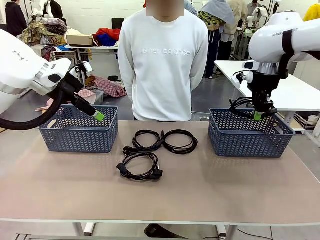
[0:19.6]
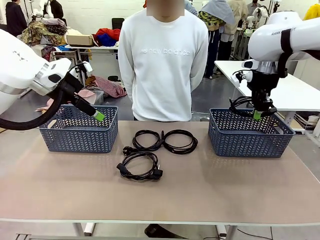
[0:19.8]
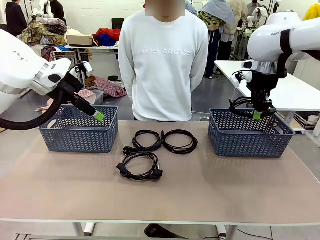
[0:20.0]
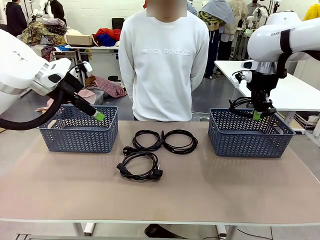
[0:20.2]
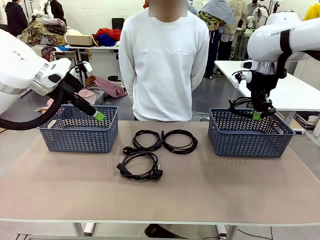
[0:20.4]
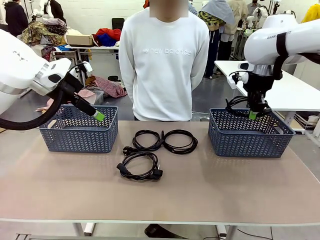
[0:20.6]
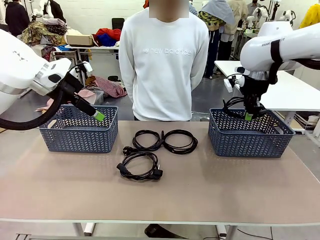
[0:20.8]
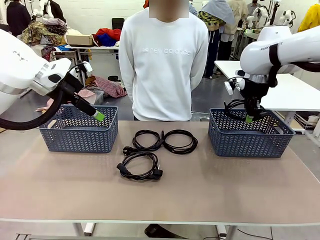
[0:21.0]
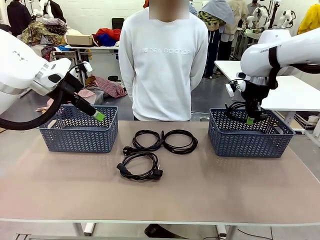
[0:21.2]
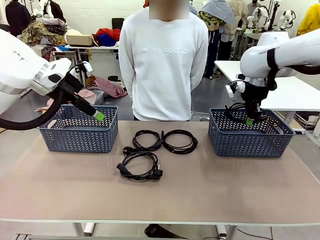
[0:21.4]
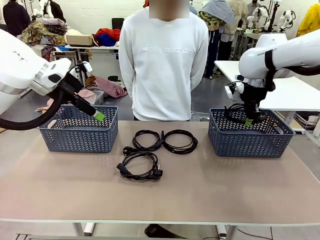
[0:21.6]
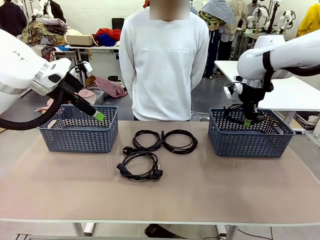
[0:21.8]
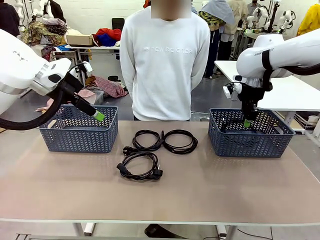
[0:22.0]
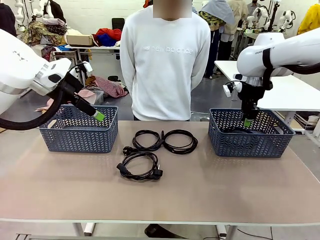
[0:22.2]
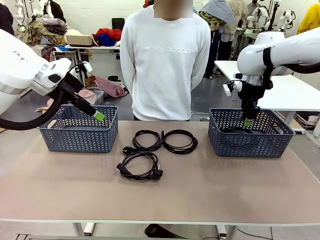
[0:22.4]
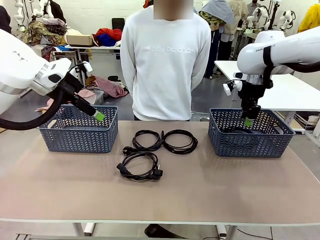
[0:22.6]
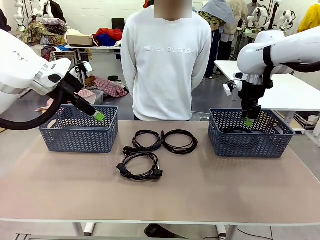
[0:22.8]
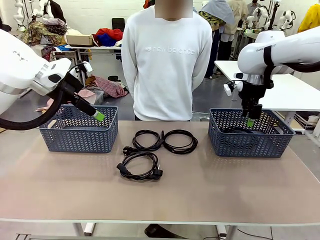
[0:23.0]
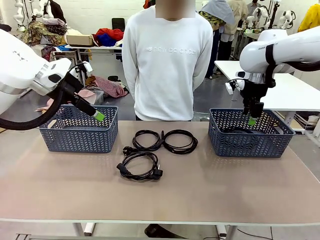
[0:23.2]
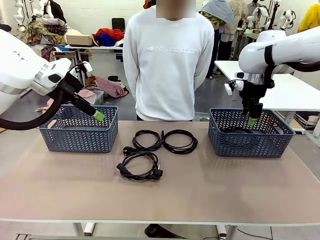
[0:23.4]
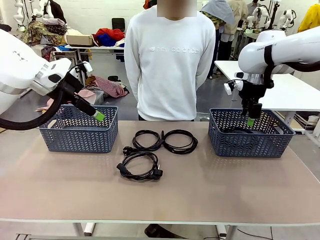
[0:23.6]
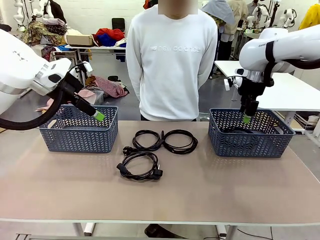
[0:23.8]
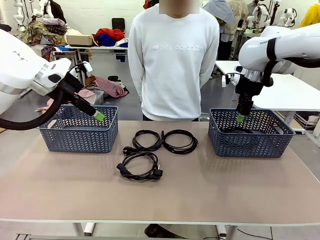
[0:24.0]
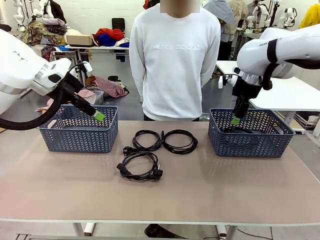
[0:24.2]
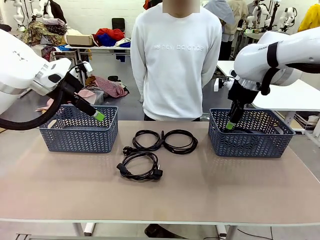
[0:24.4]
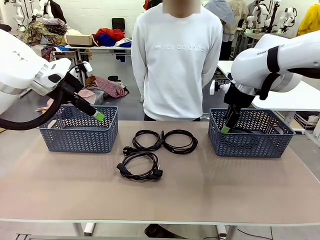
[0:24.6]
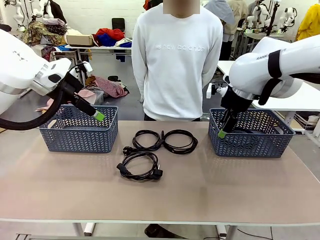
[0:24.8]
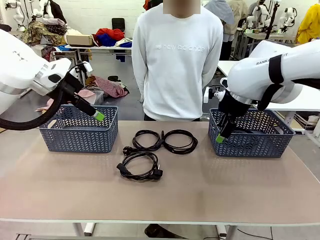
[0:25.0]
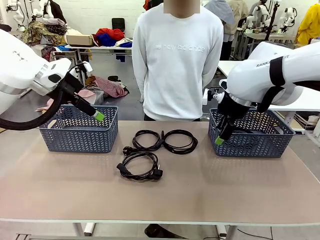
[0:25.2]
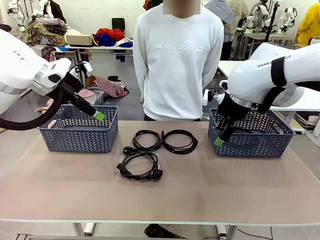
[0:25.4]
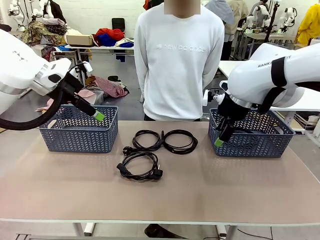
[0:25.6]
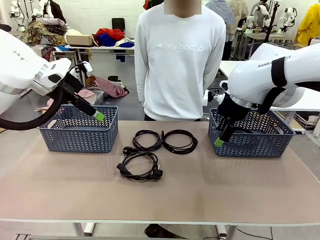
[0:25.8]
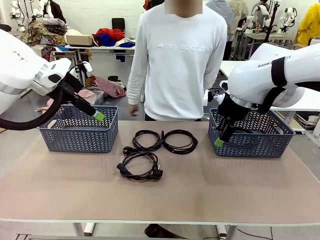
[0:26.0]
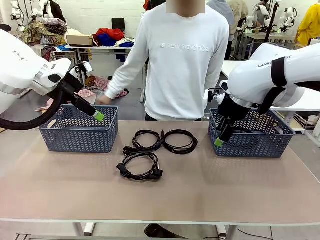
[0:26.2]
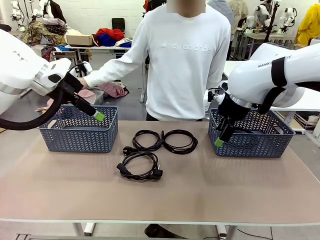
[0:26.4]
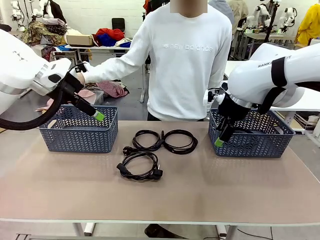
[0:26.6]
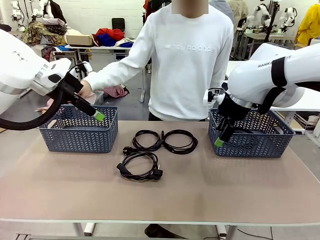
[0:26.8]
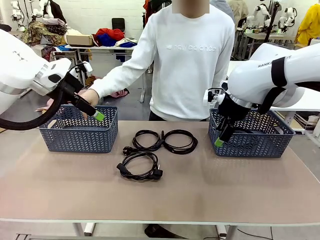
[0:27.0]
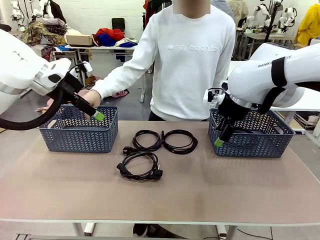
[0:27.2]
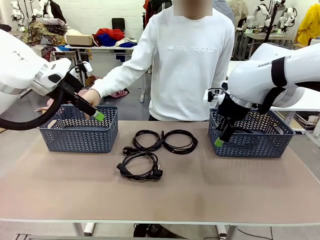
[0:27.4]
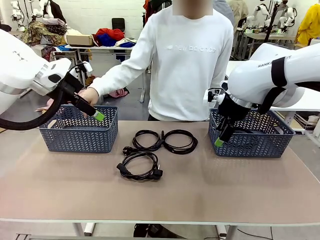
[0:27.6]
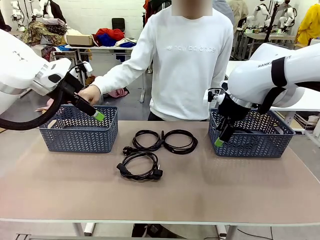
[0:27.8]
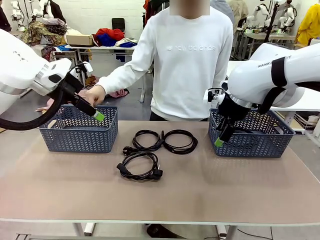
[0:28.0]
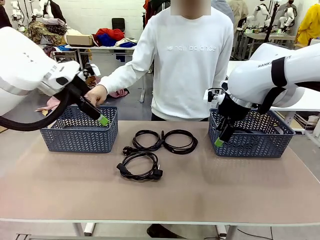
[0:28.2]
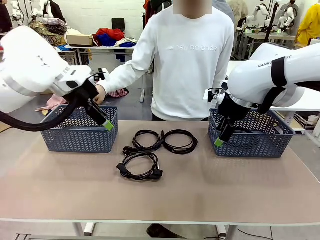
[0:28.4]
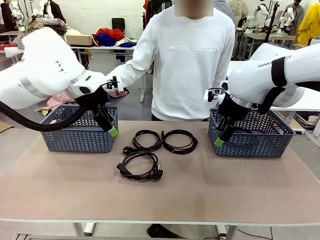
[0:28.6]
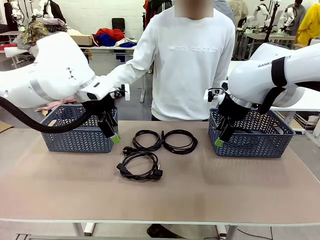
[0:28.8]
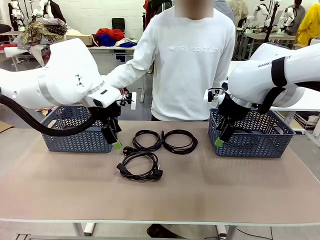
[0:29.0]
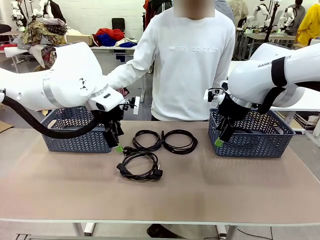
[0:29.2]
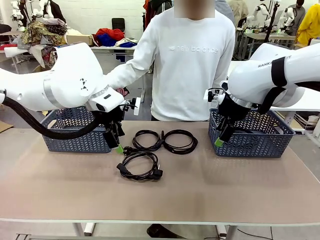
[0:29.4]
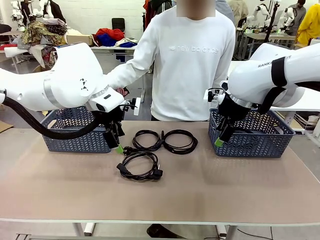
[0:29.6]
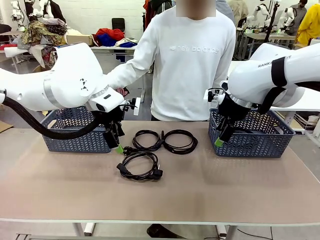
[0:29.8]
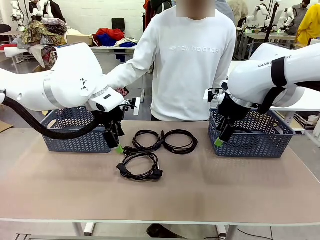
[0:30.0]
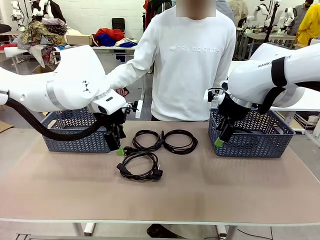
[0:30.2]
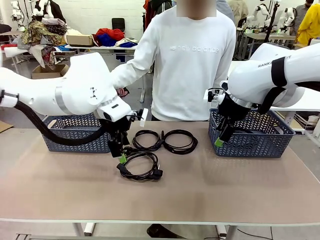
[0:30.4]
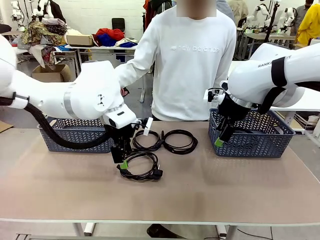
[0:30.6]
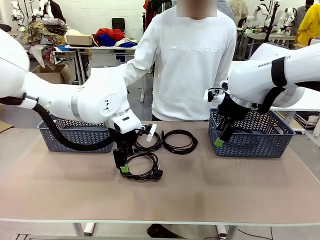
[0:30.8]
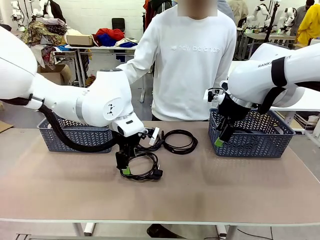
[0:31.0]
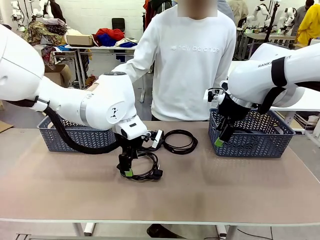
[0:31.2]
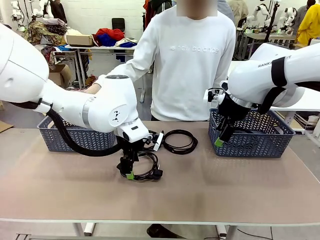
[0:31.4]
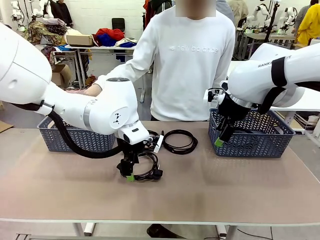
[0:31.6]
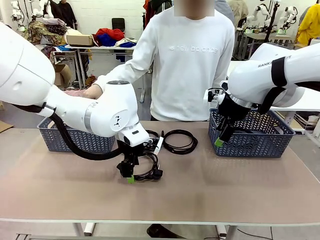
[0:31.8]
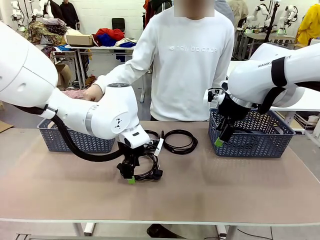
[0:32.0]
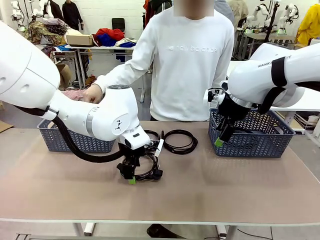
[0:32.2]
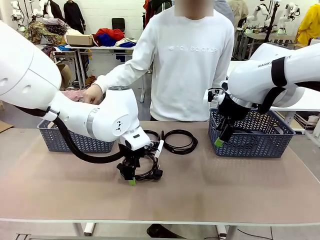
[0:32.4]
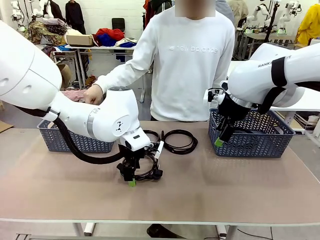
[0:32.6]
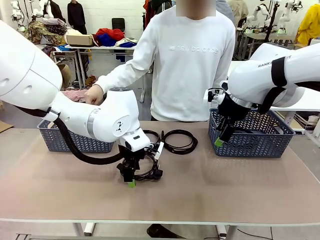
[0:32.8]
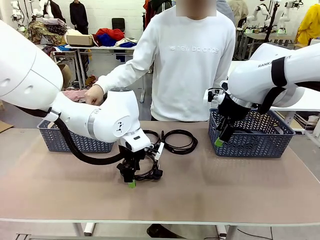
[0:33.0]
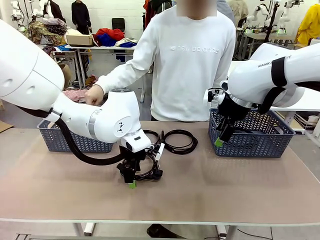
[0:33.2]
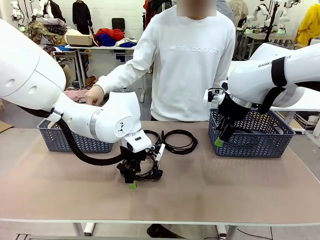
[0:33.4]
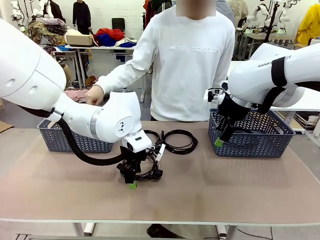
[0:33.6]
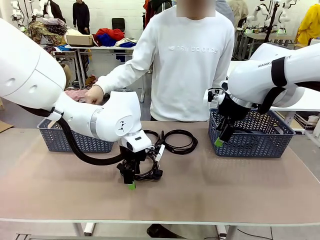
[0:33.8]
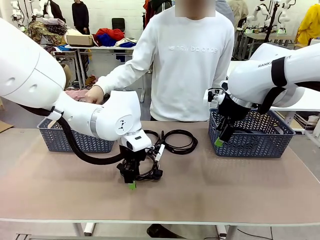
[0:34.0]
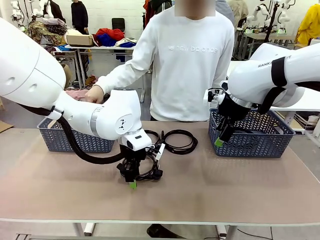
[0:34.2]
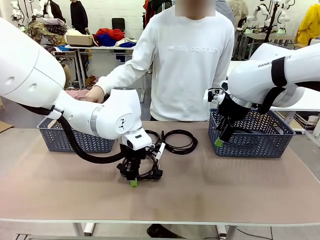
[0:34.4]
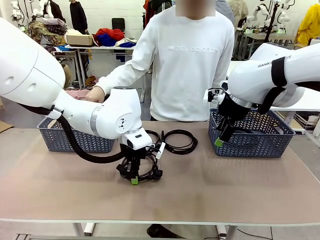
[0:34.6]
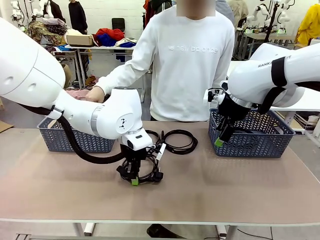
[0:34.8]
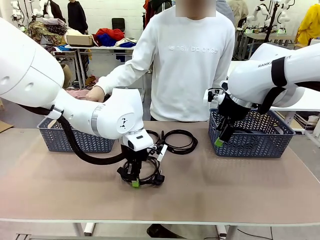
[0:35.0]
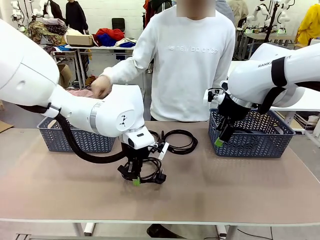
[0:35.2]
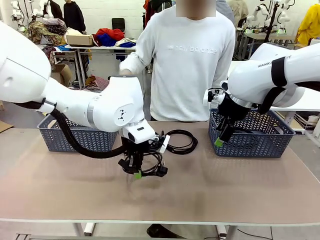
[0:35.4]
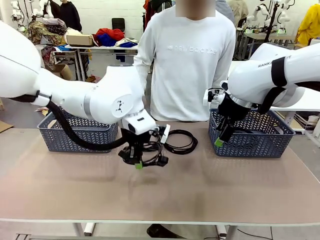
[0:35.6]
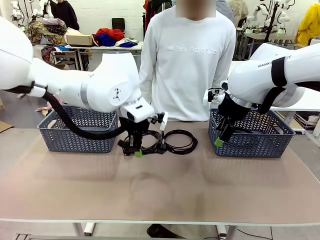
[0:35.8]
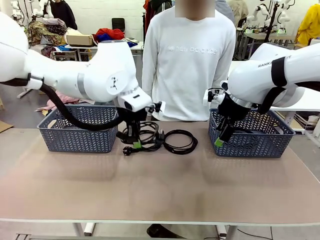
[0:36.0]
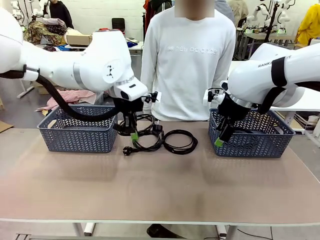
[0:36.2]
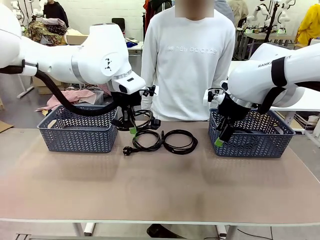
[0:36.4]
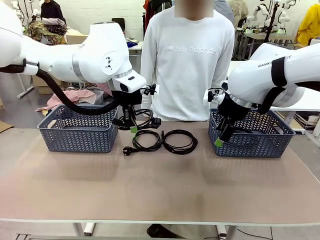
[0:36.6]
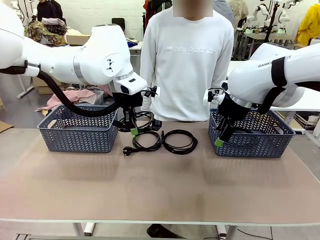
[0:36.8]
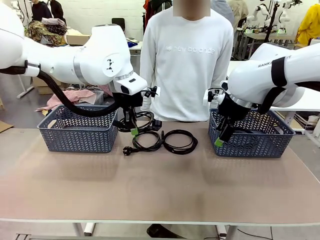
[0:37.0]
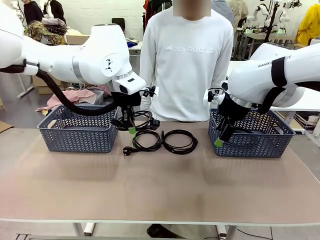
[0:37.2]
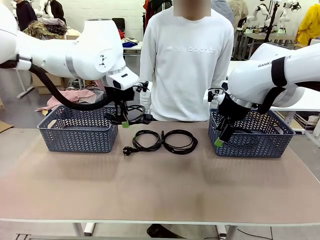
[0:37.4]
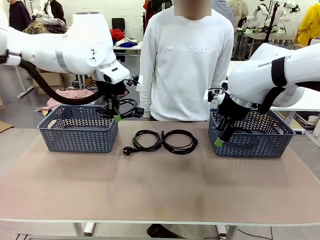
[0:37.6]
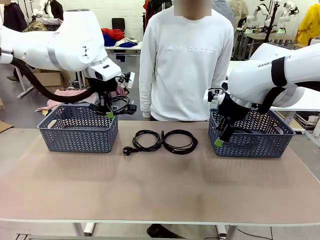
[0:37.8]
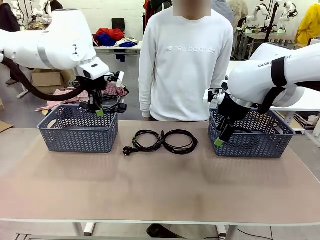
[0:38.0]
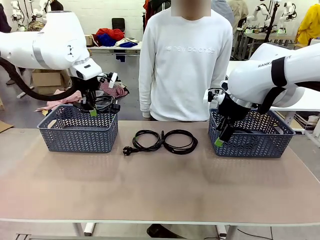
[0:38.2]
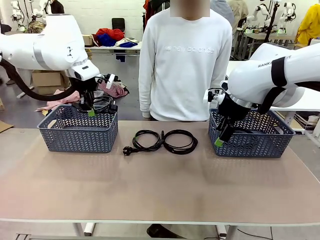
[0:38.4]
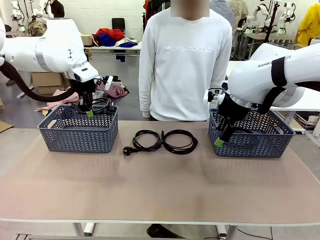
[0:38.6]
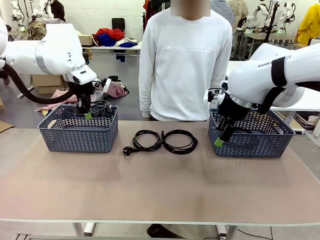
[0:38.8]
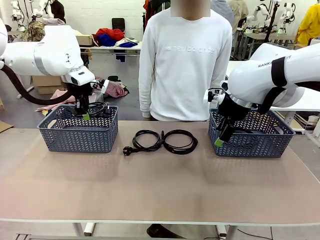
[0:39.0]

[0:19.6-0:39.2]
Task: Organize the cables according to human instructions.
Robot: Pick up a bundle of cables and place it in the basket indicated by the human.
